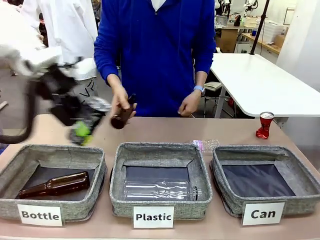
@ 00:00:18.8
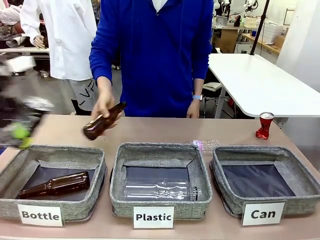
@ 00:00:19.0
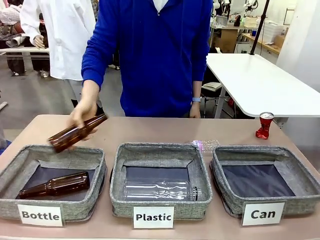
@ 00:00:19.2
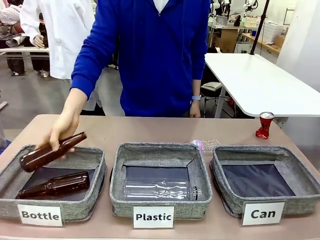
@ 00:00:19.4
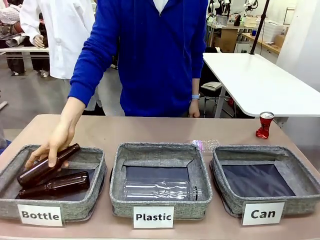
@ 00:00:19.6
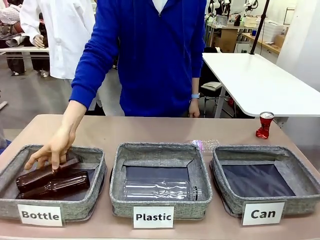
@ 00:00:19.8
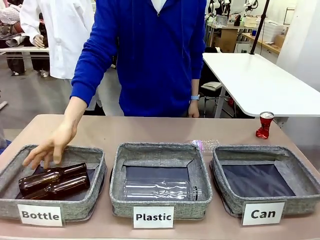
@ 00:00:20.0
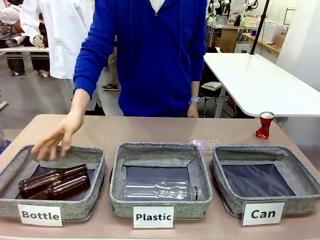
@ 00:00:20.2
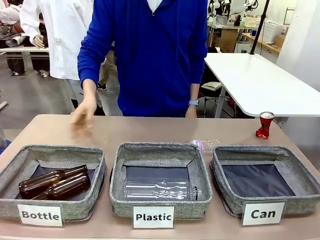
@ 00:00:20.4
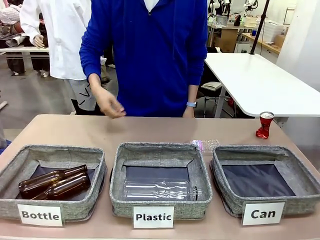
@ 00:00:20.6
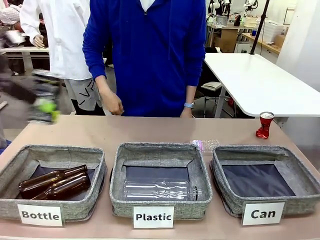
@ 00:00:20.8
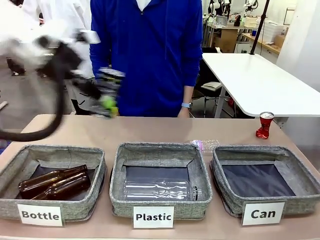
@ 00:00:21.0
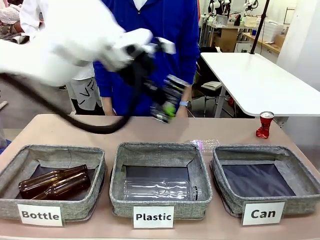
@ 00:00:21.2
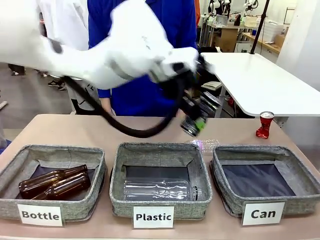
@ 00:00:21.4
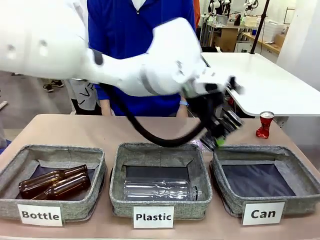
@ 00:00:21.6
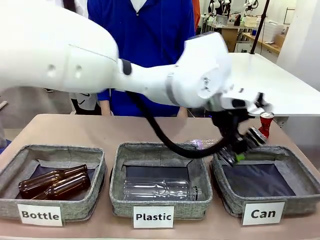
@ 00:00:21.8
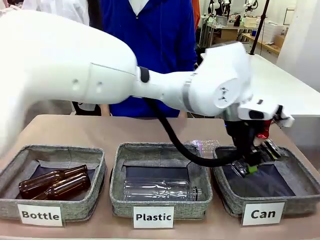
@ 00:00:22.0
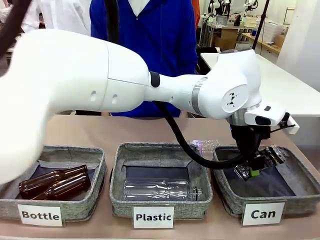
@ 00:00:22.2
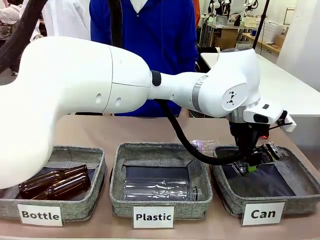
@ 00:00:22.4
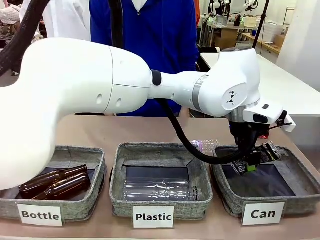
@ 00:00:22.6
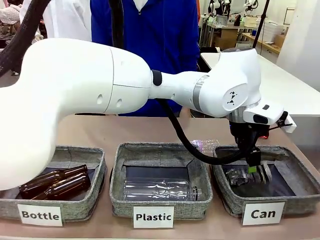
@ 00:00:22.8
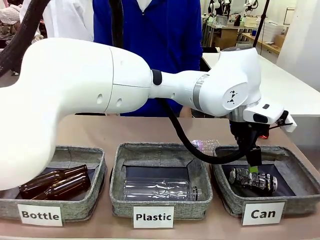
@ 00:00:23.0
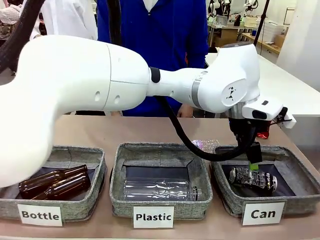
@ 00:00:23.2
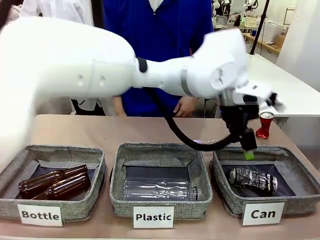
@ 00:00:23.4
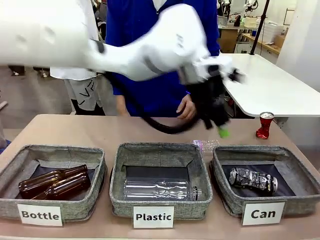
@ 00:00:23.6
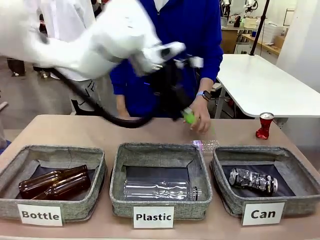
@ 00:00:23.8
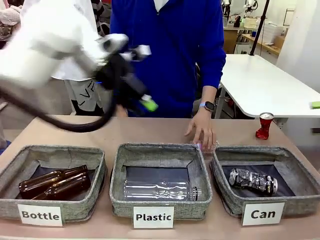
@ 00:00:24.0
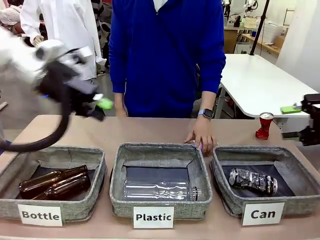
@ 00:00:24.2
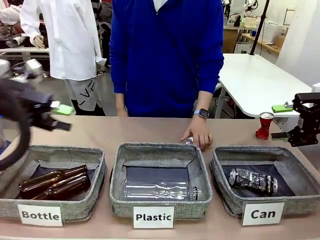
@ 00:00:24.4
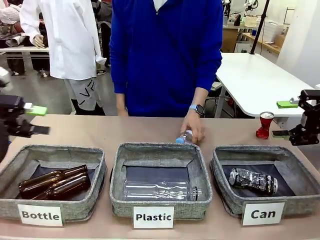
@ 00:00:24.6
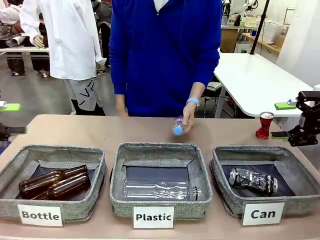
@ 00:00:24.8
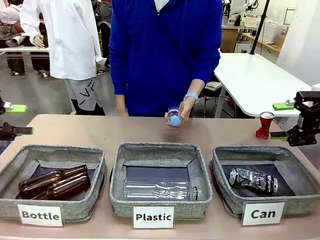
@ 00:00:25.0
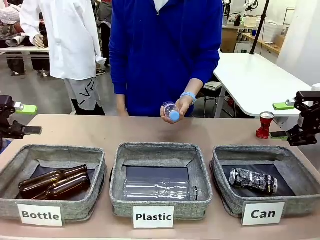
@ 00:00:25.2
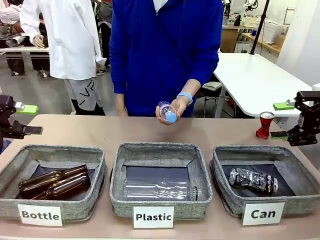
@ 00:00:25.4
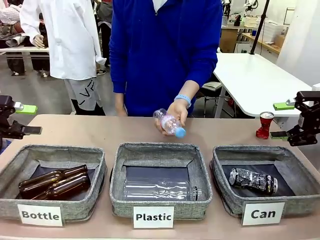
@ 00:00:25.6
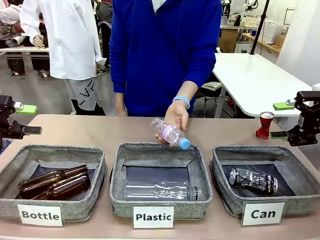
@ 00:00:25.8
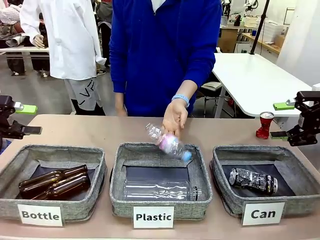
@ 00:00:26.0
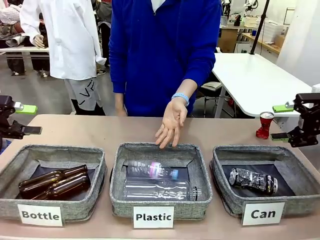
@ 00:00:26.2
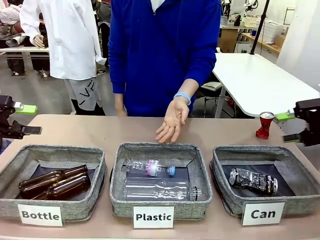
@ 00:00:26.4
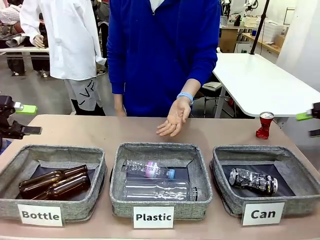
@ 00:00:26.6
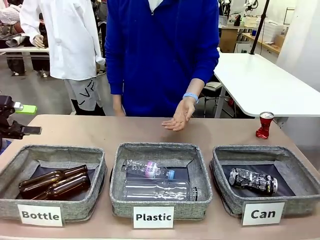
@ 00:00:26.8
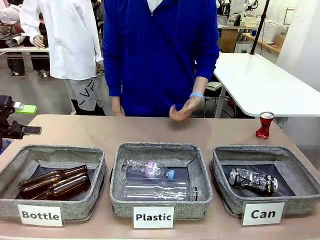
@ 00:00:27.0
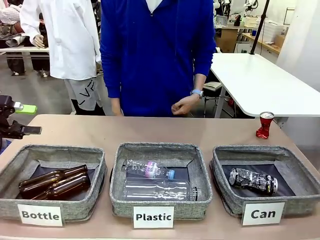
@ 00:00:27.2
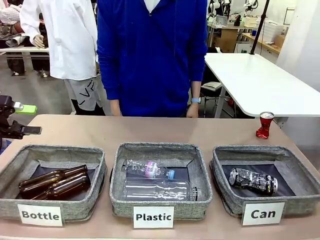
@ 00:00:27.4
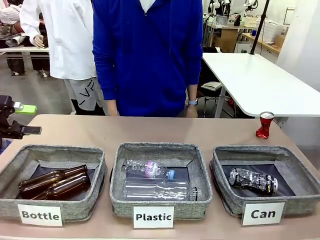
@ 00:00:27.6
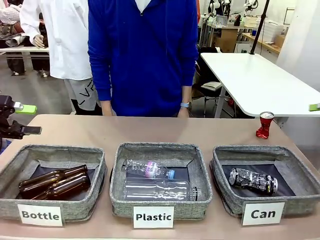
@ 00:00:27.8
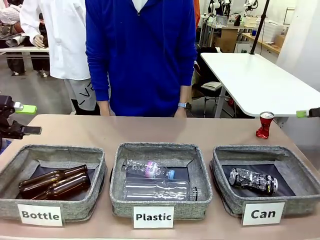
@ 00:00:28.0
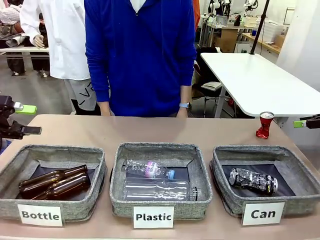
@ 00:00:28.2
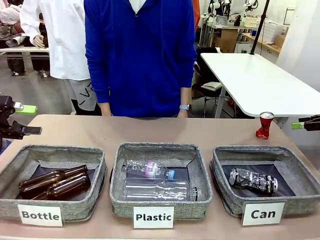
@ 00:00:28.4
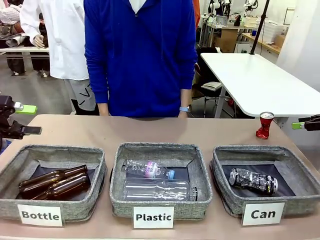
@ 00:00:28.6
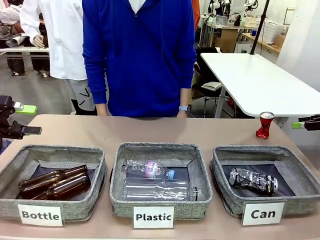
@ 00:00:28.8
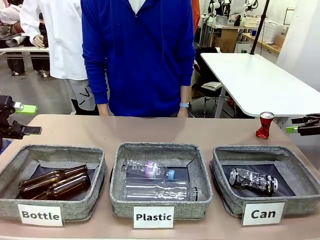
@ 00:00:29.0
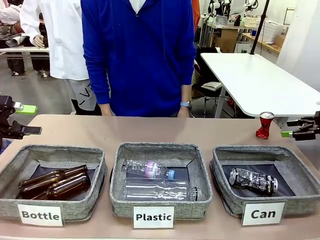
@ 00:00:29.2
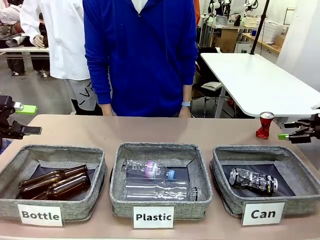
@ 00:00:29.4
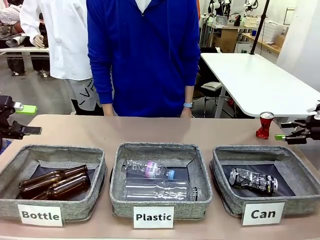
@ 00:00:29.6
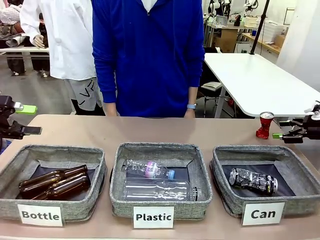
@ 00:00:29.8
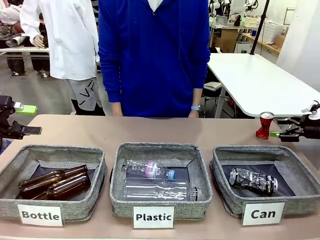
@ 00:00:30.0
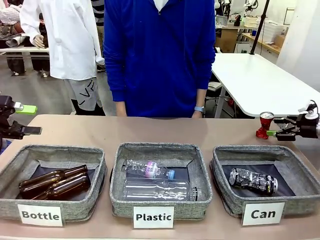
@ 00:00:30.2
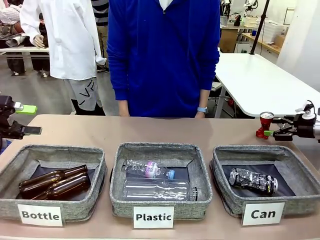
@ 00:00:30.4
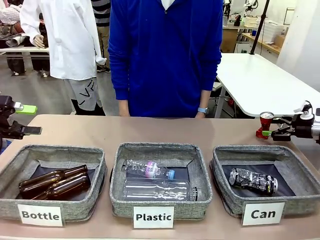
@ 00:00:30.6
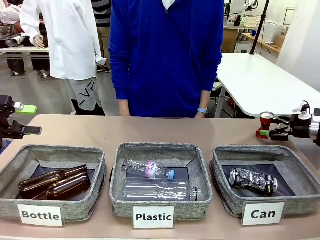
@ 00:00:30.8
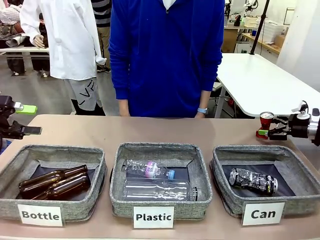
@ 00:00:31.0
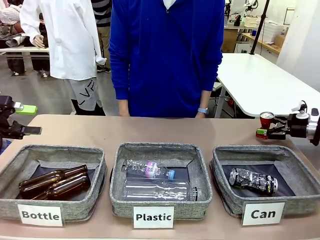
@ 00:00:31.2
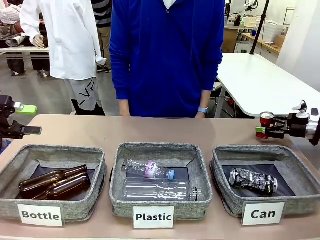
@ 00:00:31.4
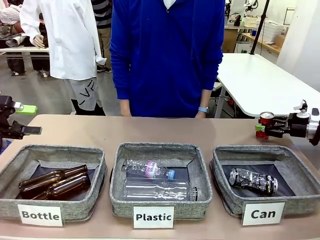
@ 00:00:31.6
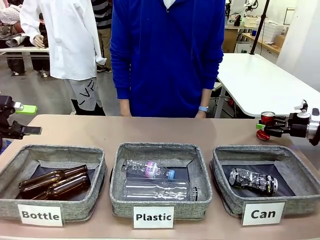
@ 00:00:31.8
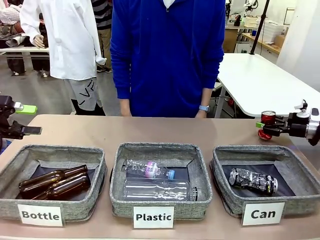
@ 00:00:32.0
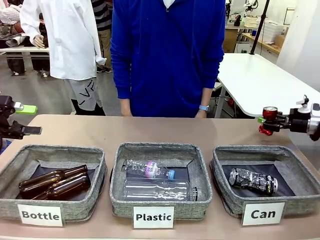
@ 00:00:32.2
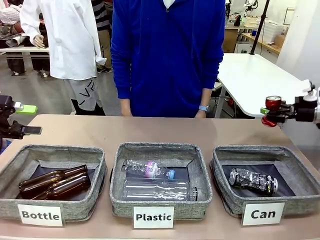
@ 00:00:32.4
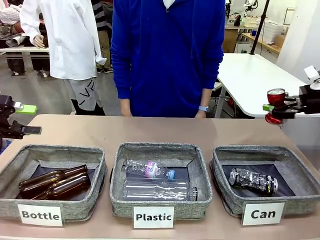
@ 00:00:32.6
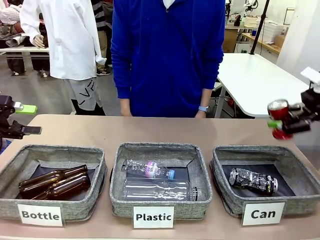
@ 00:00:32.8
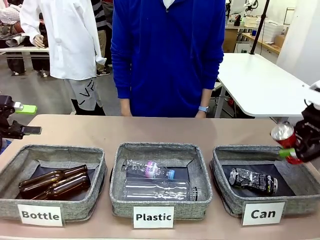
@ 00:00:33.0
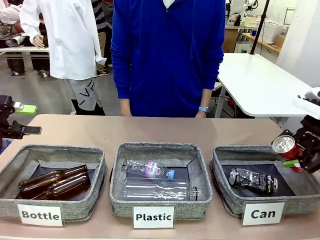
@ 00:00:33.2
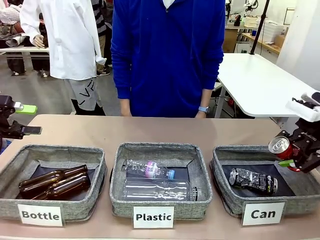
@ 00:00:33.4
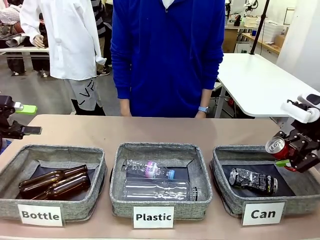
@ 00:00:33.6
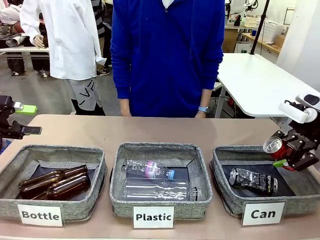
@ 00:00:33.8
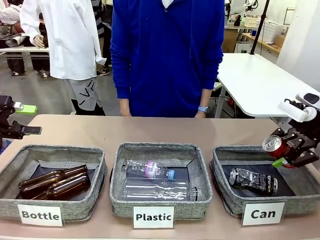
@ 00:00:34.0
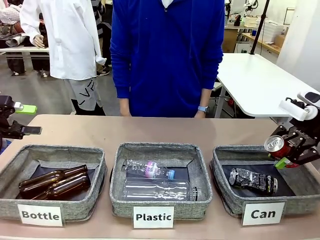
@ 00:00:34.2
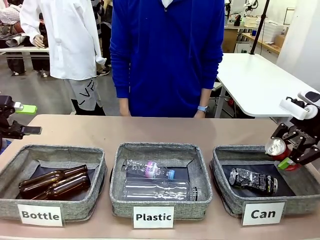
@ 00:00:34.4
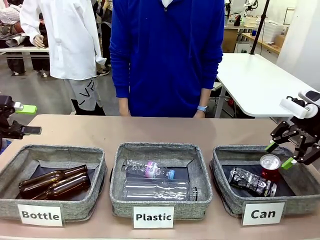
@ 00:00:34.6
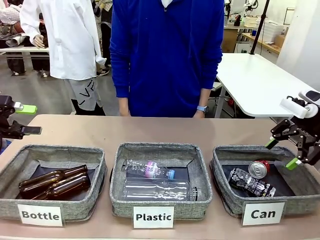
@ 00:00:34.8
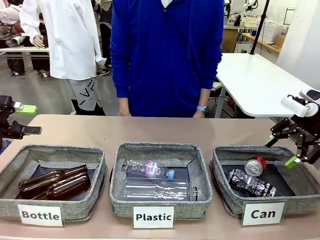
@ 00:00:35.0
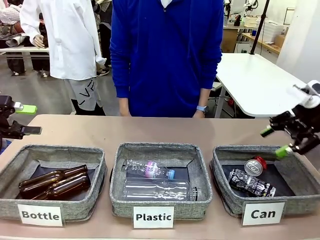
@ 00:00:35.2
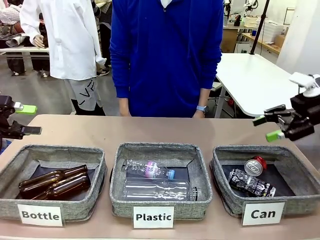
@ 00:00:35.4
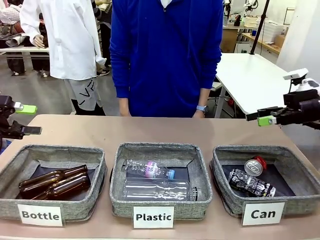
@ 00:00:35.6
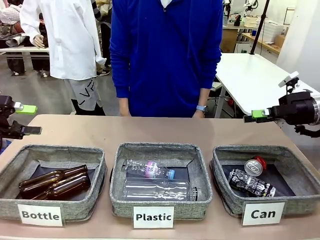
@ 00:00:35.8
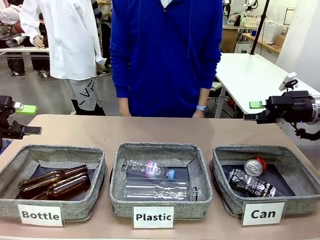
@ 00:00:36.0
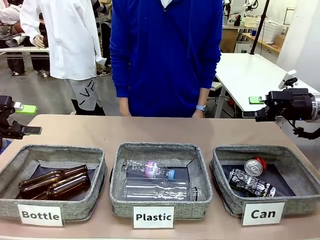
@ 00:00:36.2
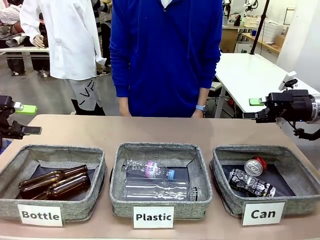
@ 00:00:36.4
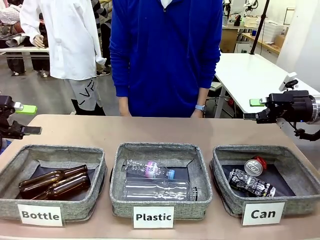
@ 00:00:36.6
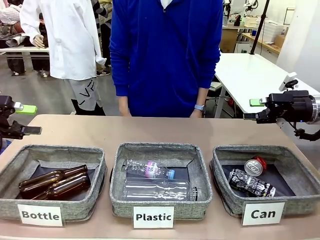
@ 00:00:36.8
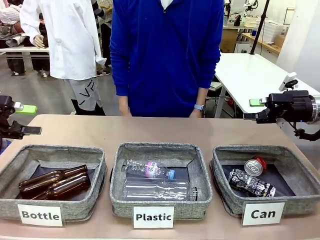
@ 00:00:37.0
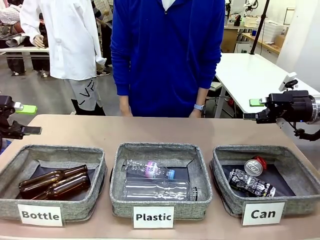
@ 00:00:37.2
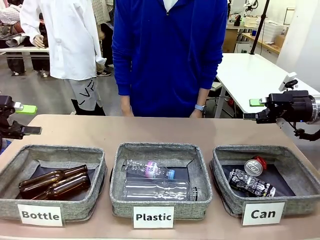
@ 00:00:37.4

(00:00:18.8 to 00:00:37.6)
Task: Sort the can waste into the basket.
Robot: Pick up the can waste from the table and place it in the right Fabric basket.
